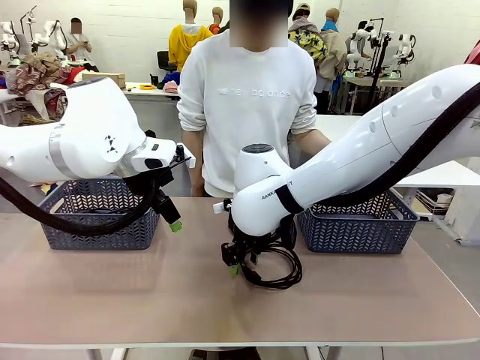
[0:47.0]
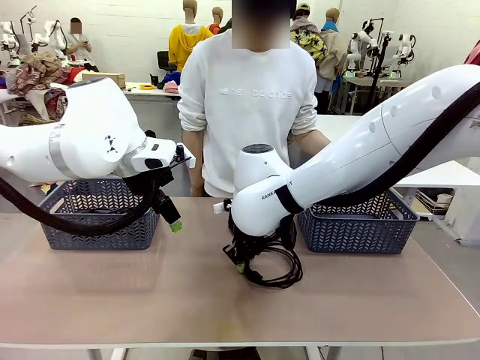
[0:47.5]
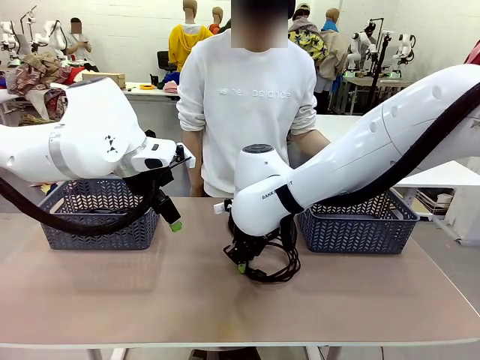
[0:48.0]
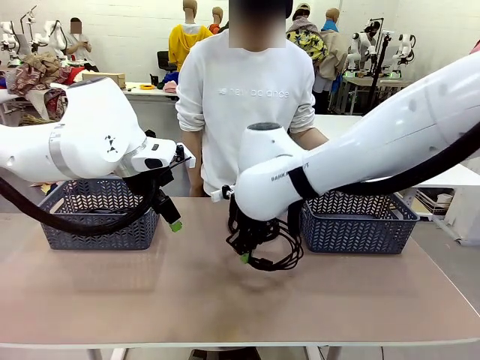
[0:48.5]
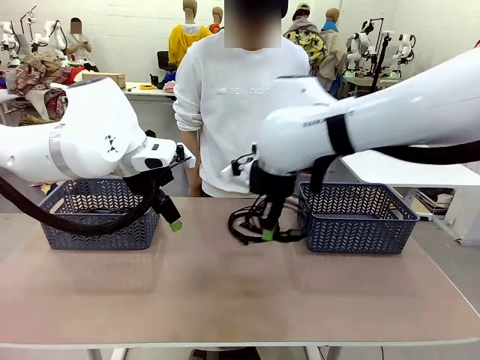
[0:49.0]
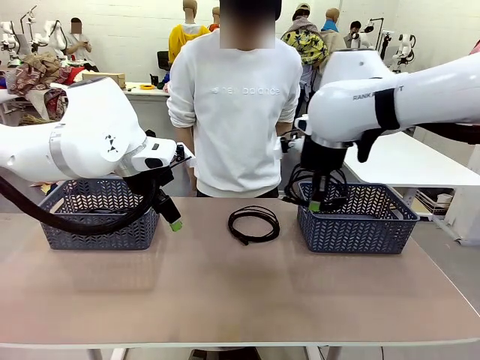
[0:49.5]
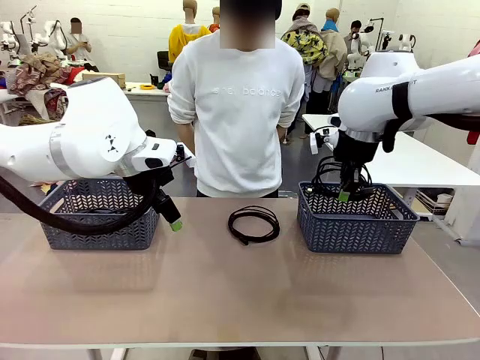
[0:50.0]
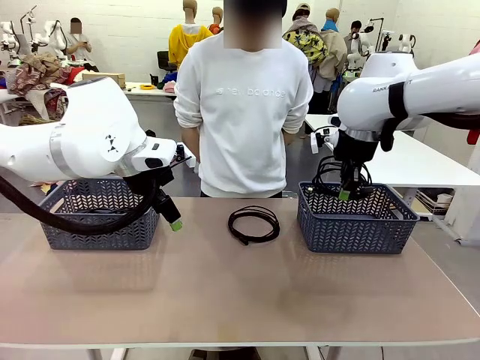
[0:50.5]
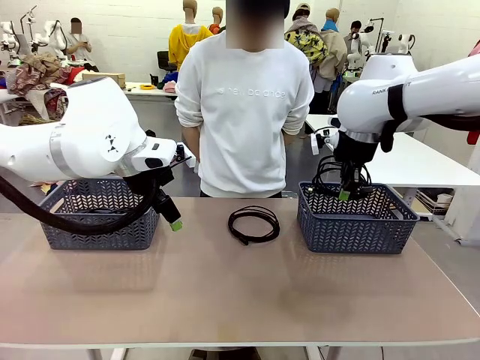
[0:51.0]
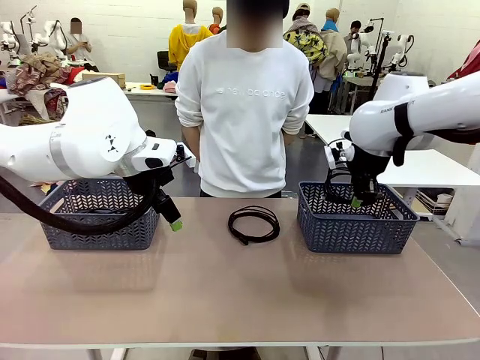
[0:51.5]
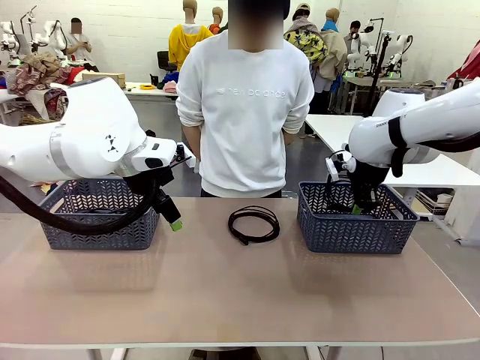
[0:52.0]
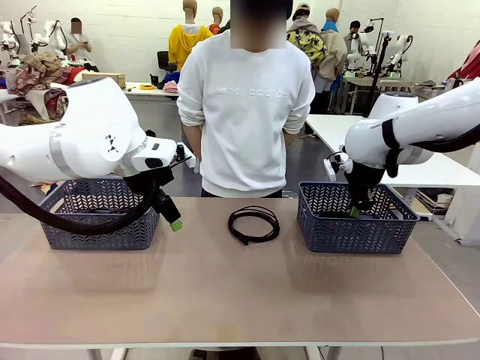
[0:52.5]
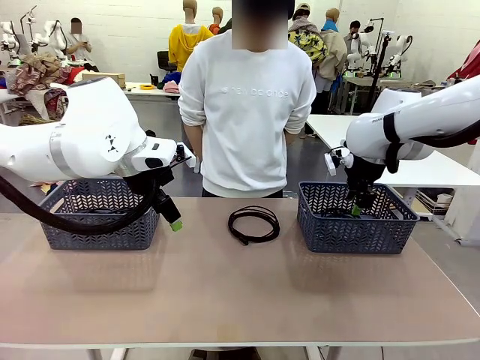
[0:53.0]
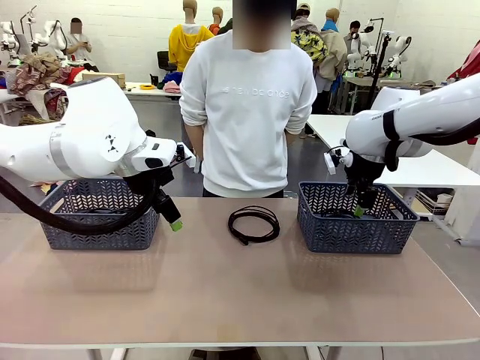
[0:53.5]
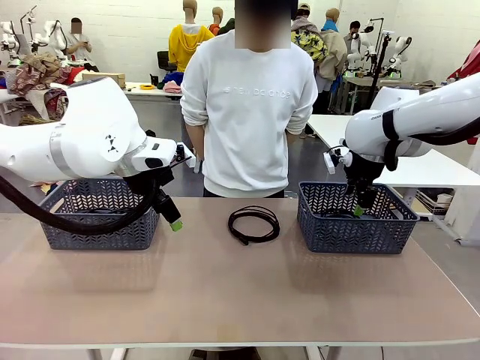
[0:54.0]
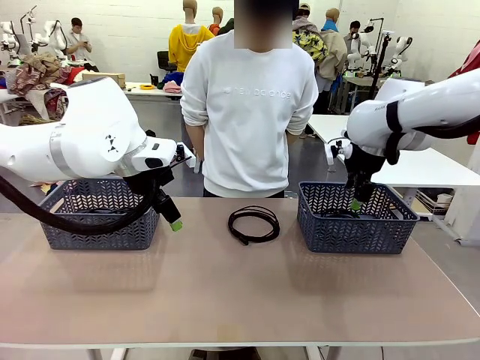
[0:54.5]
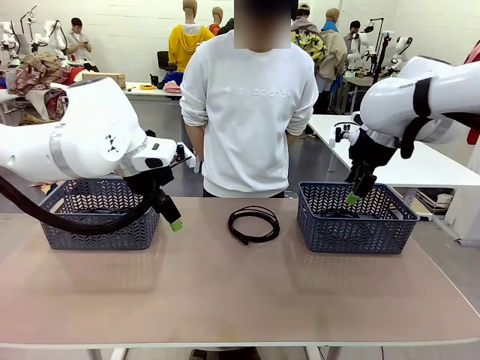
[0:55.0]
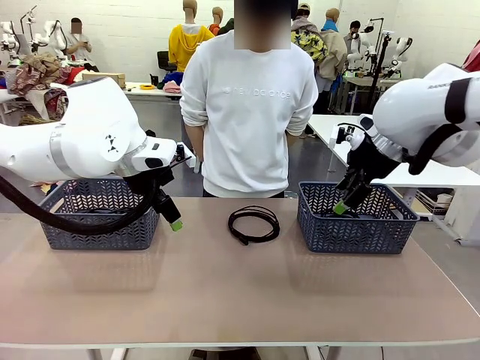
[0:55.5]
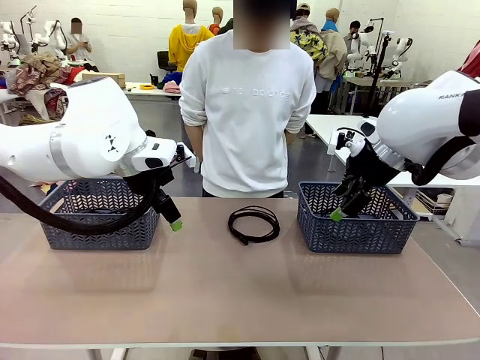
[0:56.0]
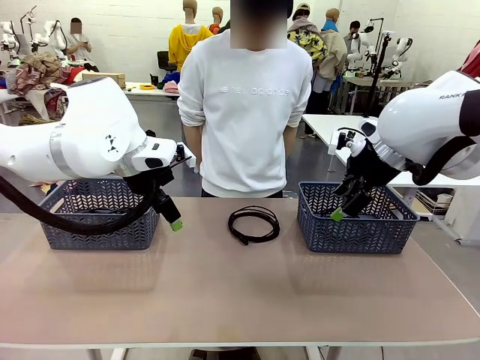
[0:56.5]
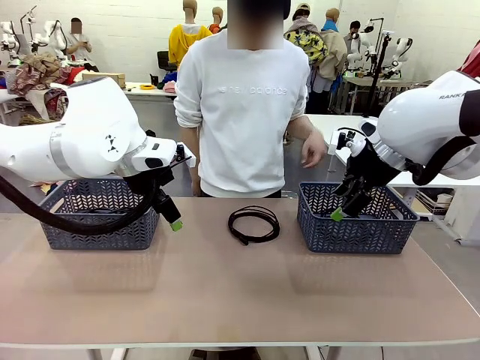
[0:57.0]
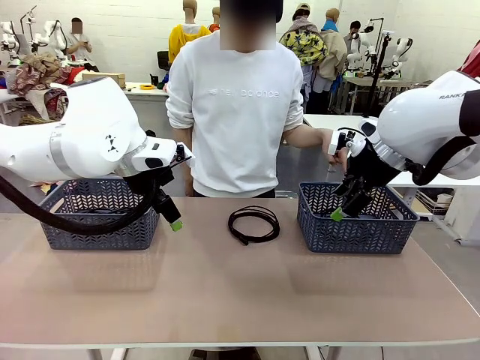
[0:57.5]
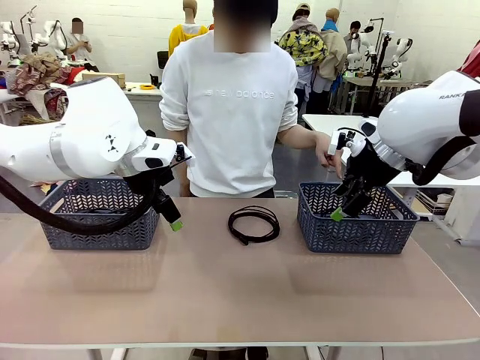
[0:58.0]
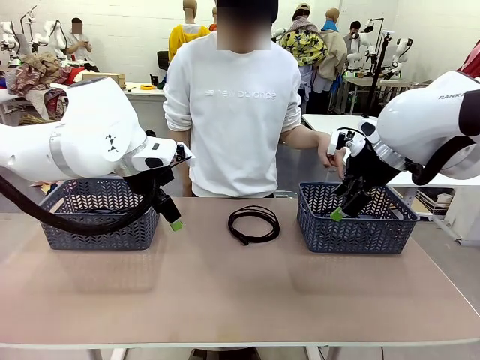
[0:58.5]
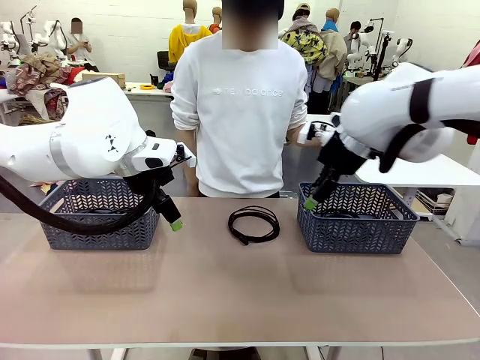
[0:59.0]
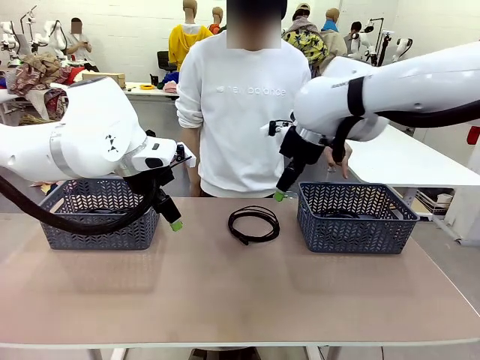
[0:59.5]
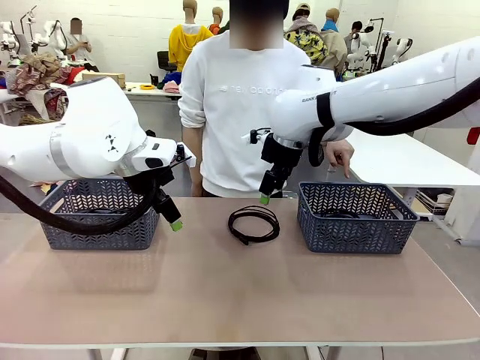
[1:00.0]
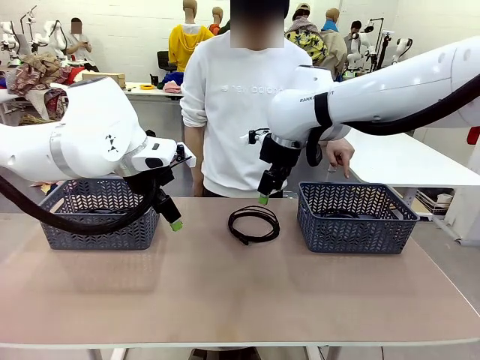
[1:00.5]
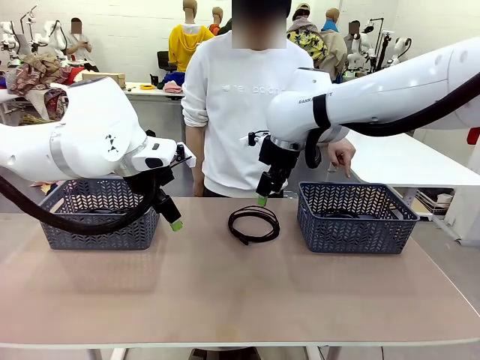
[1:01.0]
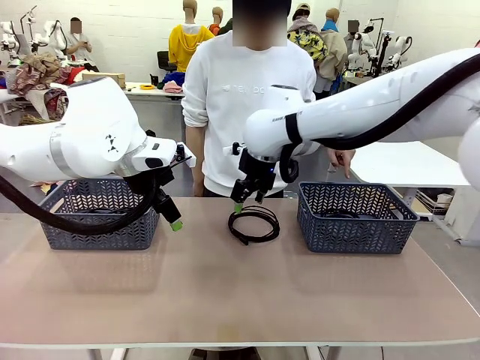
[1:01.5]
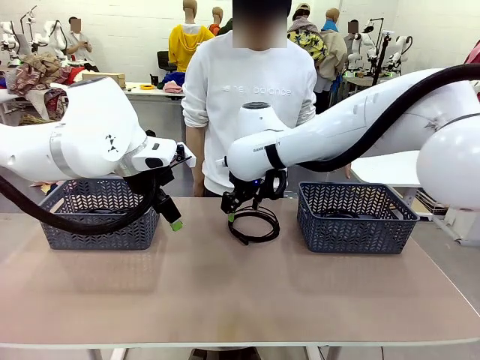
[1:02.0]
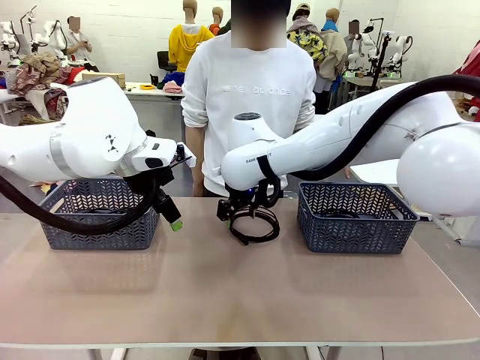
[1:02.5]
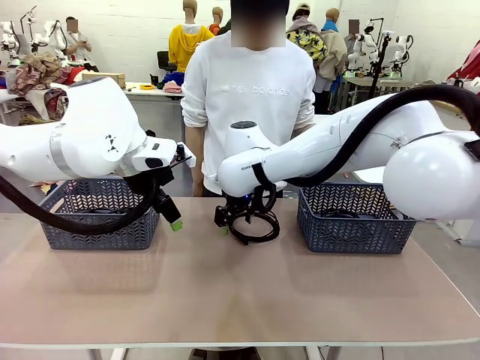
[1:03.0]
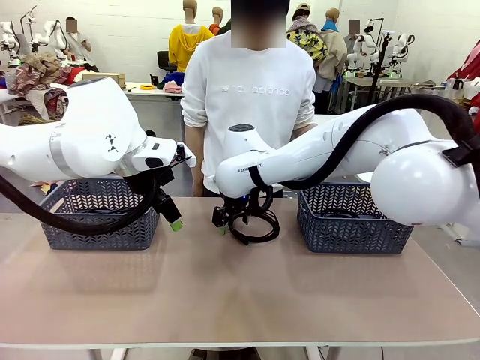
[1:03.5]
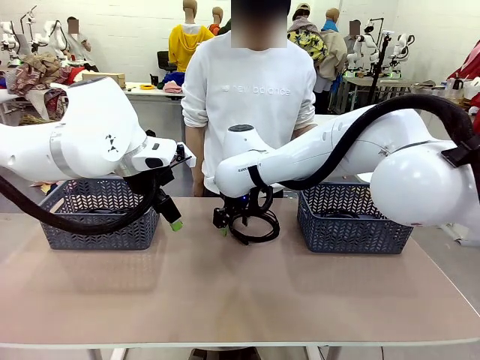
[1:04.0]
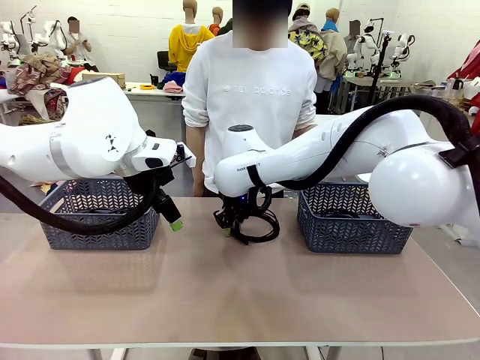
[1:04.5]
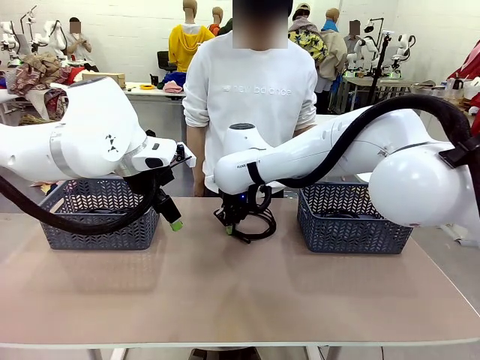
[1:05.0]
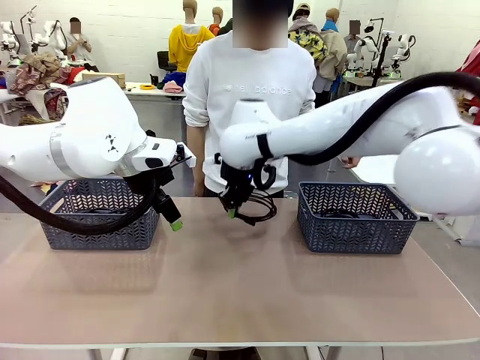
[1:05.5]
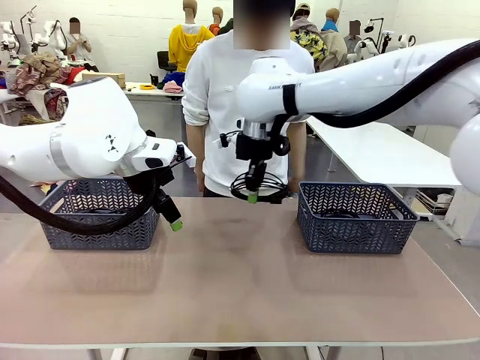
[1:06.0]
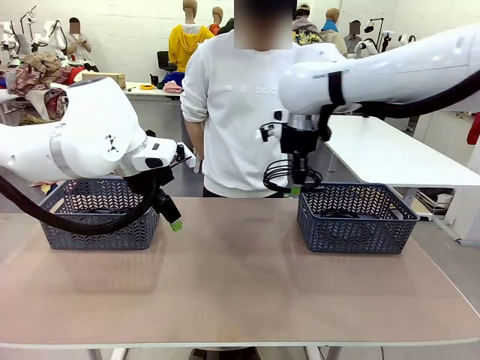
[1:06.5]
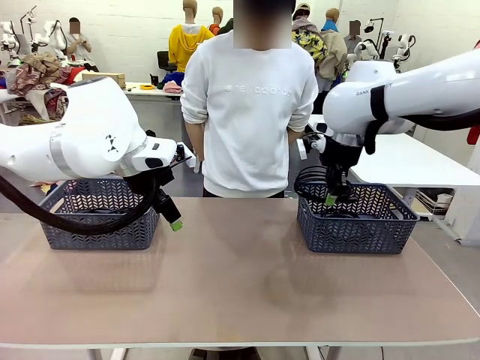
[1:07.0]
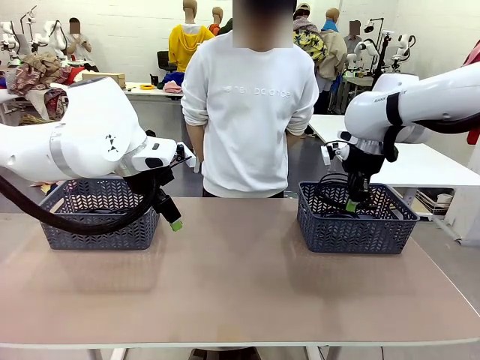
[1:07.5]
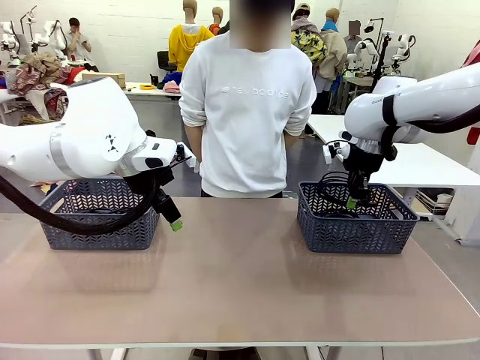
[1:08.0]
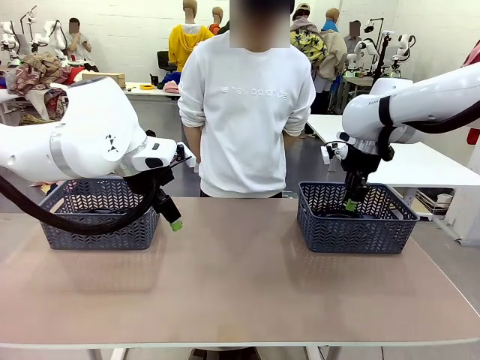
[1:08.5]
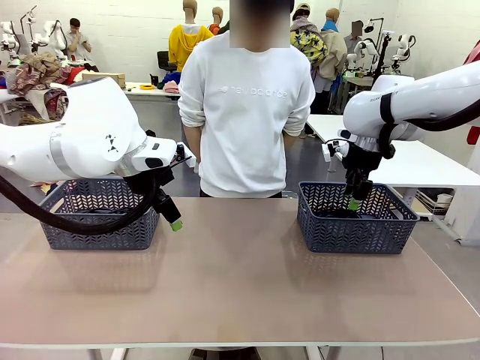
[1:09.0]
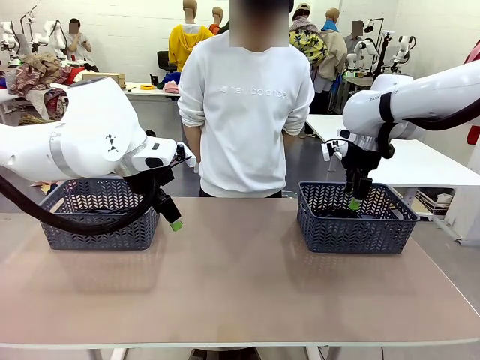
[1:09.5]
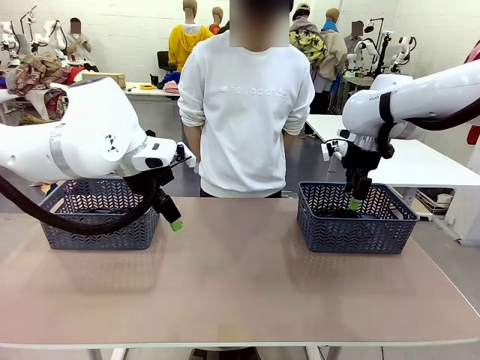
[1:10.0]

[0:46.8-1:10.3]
Task: Organize the cables according to human instructions.
Robot: Pick up a bundle of cables and place it in the basket indicated by the human.

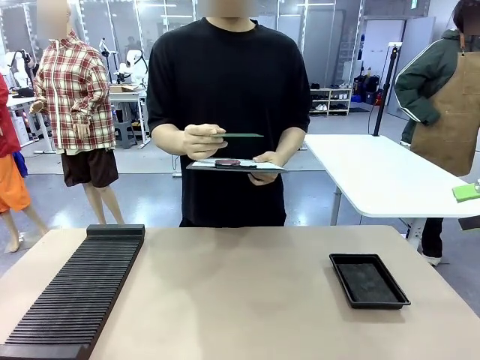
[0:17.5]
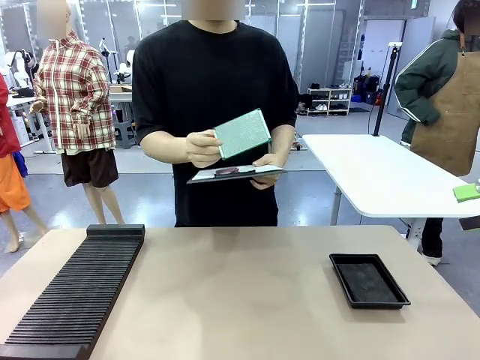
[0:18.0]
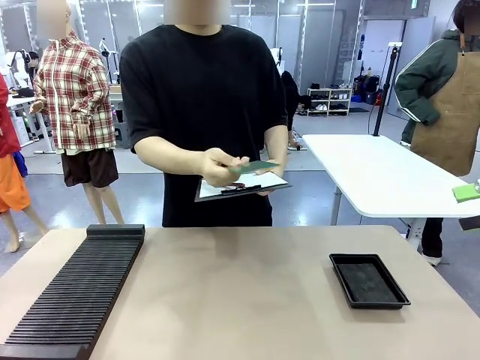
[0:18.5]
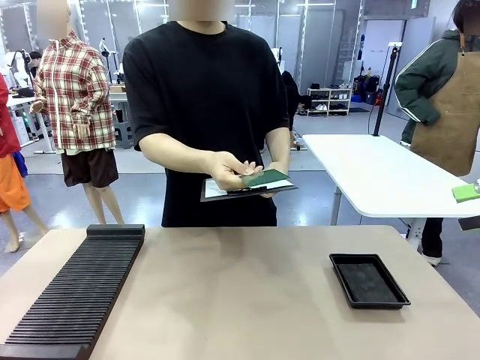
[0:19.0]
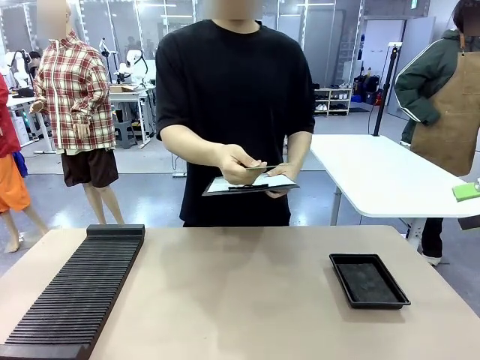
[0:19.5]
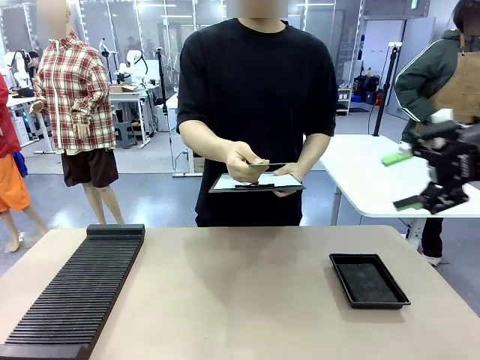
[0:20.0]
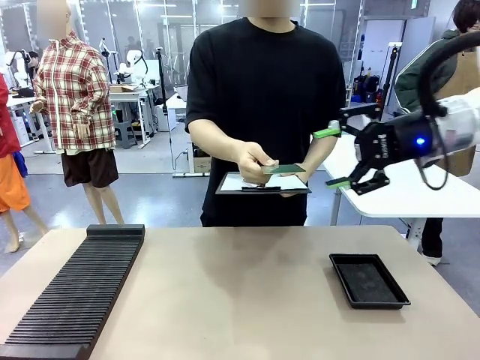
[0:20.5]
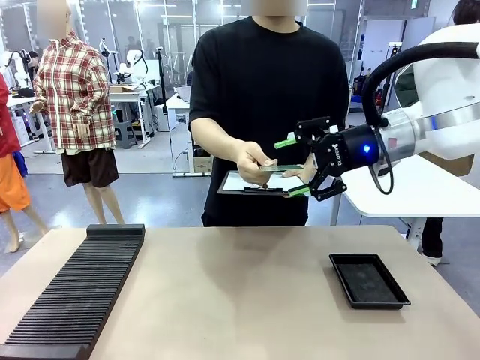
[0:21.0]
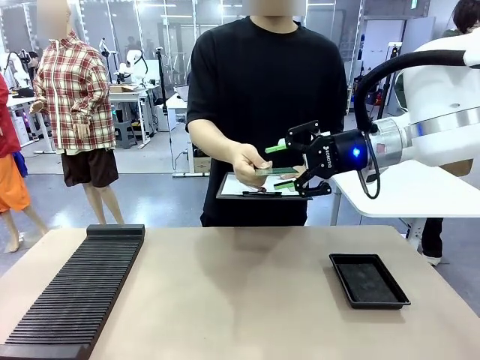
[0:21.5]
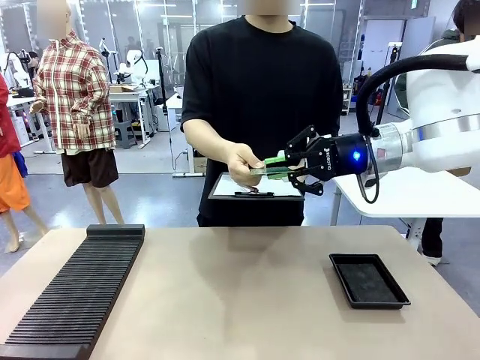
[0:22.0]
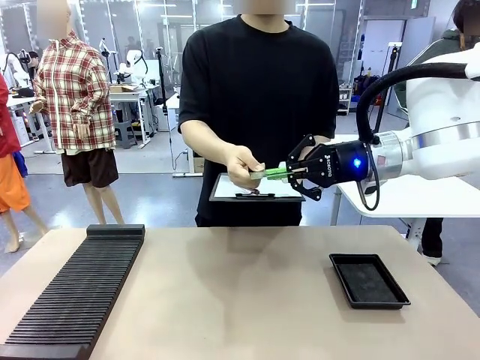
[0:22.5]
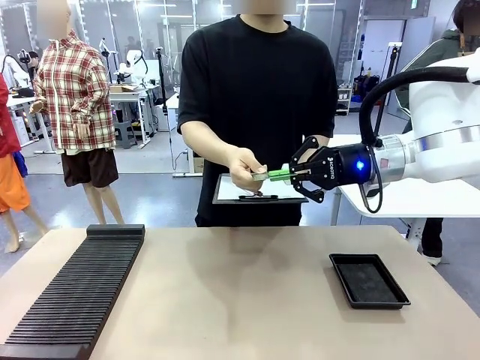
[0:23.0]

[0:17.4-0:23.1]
Task: Inspect the PCB.
Robot: Pick up the Blank PCB that the human is holding.
Person: Release the PCB you were holding.
